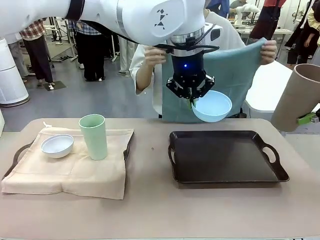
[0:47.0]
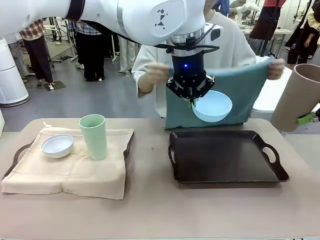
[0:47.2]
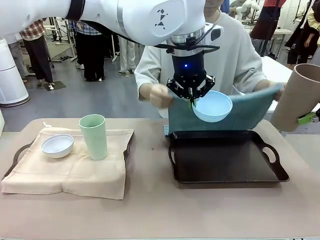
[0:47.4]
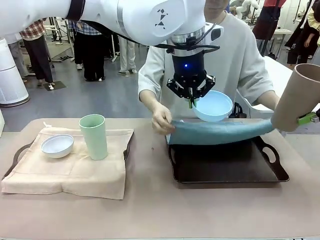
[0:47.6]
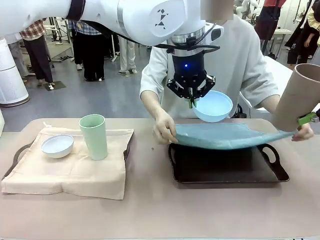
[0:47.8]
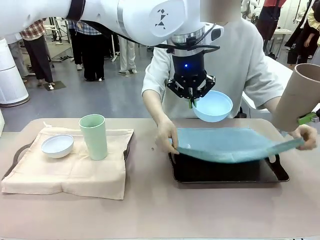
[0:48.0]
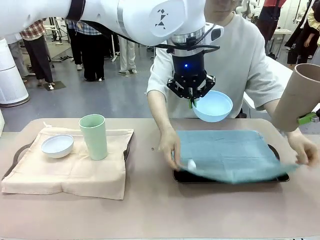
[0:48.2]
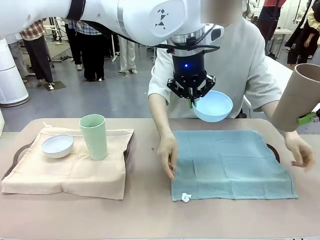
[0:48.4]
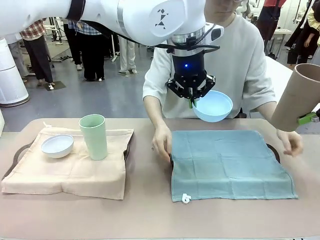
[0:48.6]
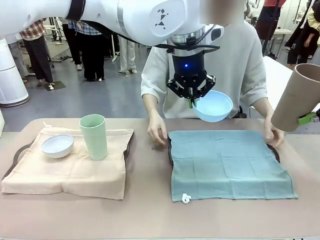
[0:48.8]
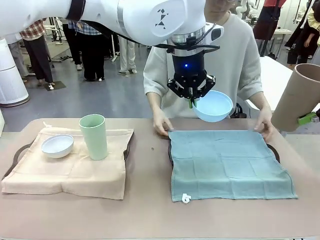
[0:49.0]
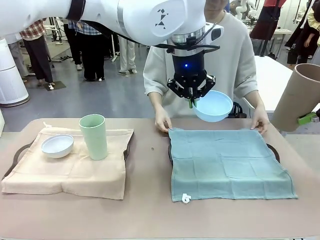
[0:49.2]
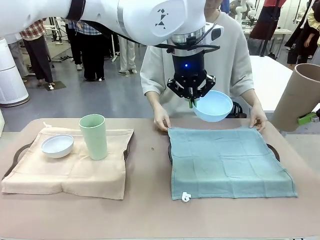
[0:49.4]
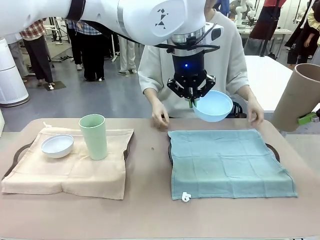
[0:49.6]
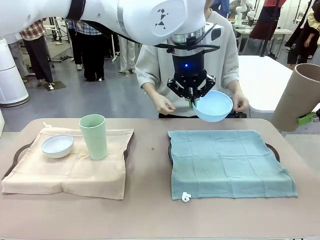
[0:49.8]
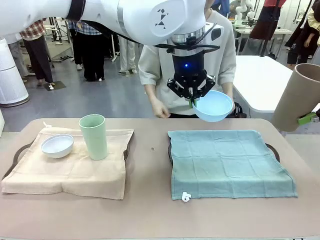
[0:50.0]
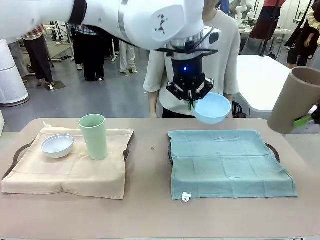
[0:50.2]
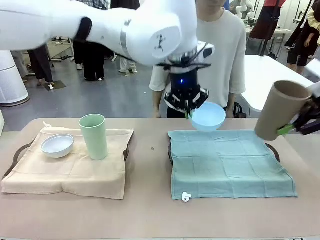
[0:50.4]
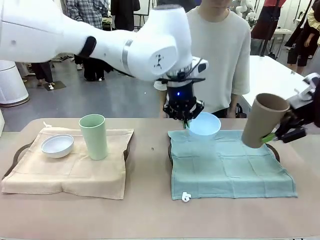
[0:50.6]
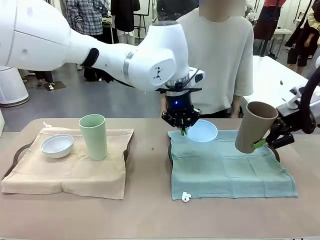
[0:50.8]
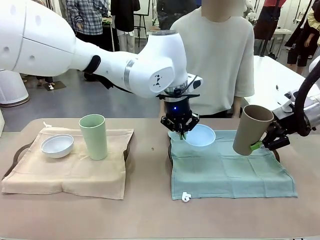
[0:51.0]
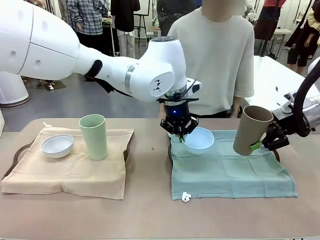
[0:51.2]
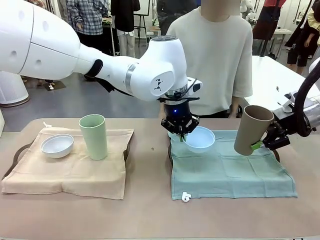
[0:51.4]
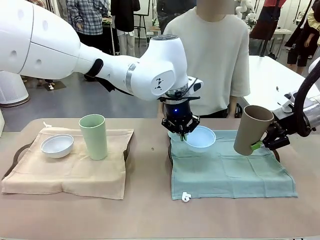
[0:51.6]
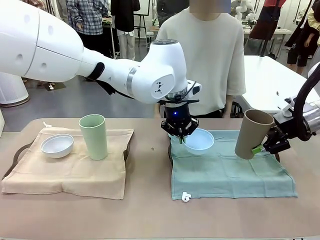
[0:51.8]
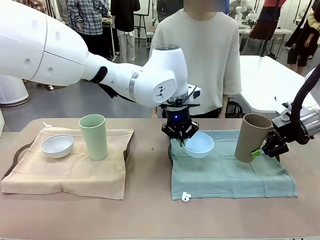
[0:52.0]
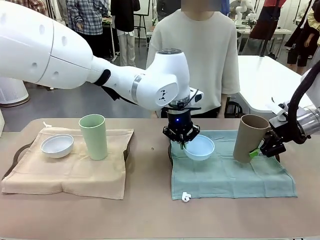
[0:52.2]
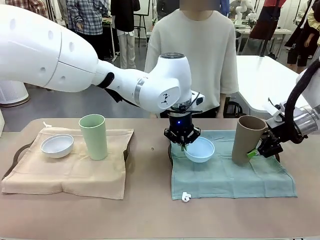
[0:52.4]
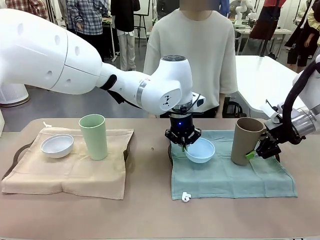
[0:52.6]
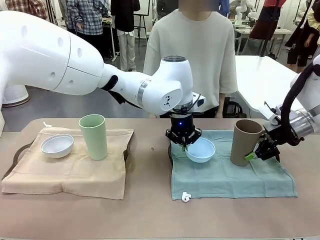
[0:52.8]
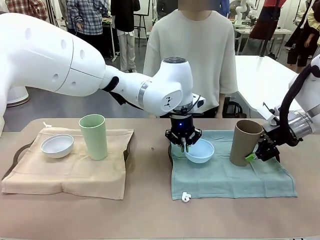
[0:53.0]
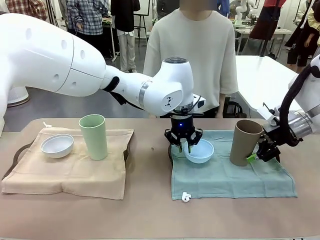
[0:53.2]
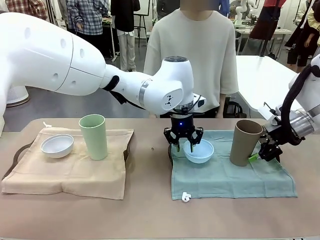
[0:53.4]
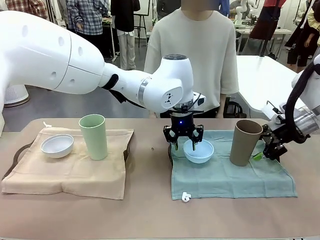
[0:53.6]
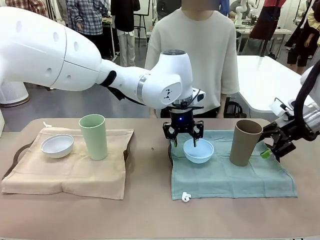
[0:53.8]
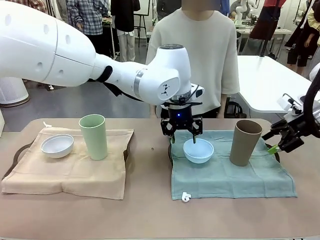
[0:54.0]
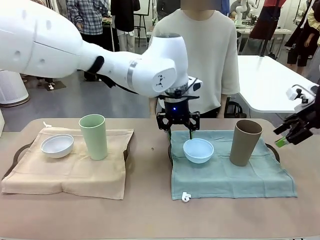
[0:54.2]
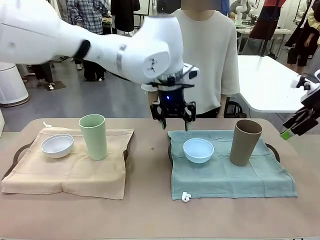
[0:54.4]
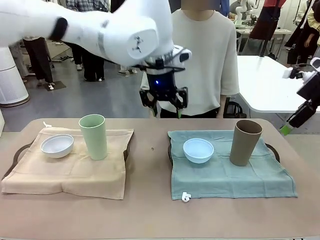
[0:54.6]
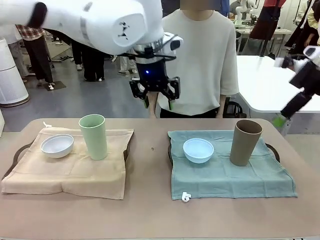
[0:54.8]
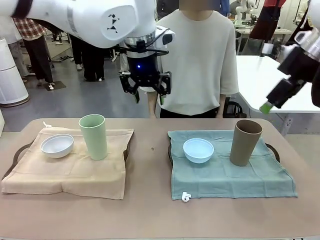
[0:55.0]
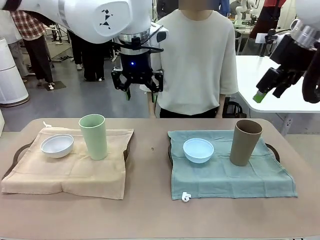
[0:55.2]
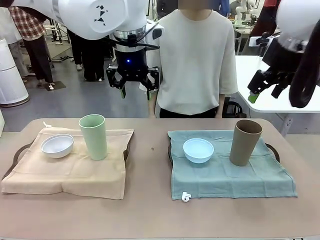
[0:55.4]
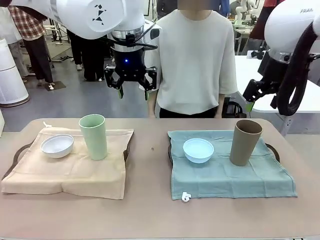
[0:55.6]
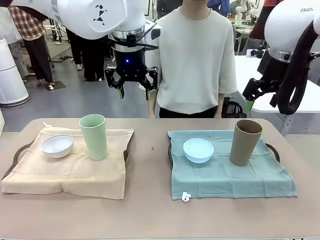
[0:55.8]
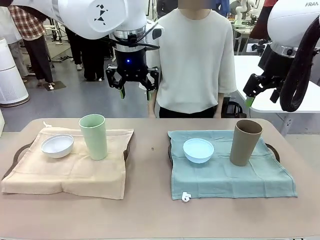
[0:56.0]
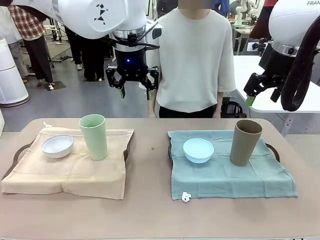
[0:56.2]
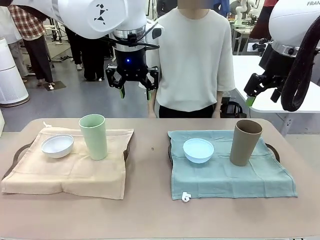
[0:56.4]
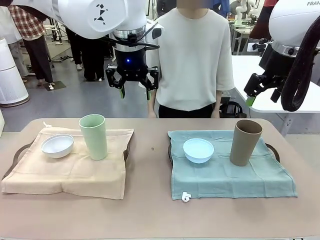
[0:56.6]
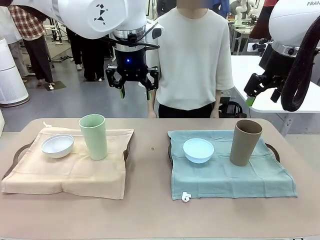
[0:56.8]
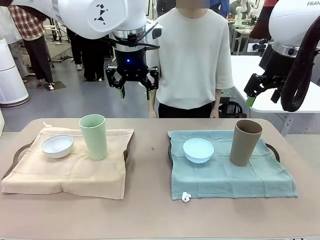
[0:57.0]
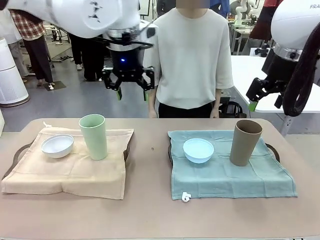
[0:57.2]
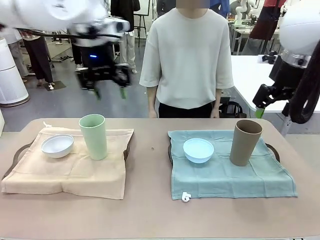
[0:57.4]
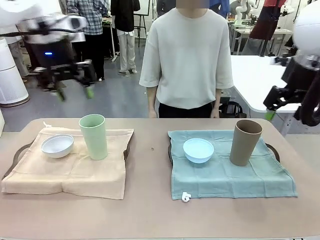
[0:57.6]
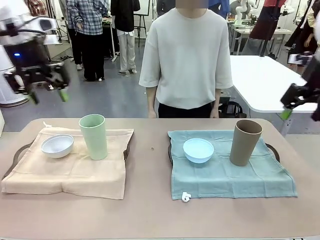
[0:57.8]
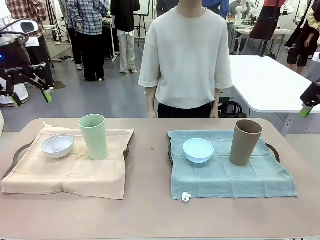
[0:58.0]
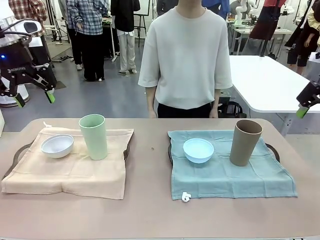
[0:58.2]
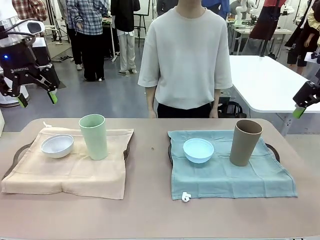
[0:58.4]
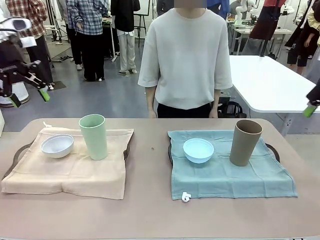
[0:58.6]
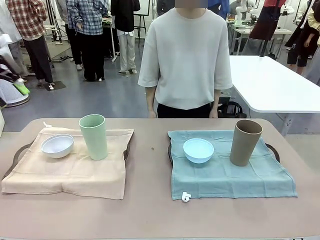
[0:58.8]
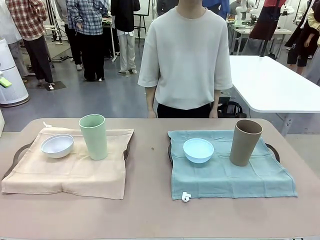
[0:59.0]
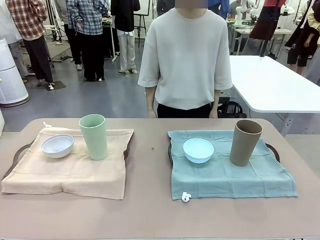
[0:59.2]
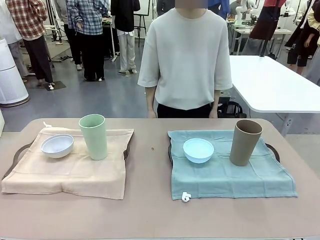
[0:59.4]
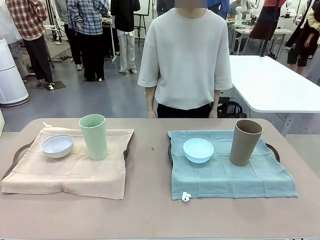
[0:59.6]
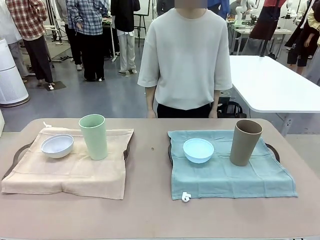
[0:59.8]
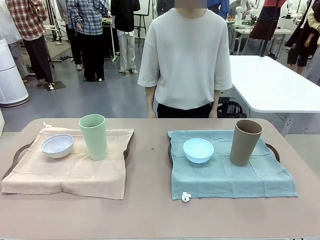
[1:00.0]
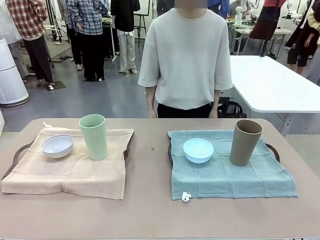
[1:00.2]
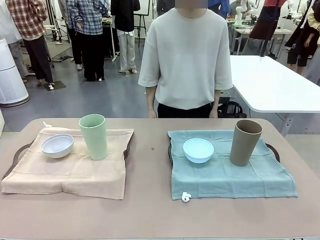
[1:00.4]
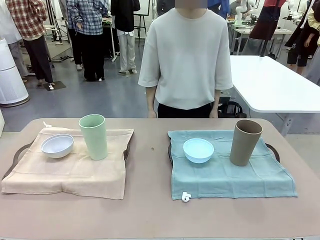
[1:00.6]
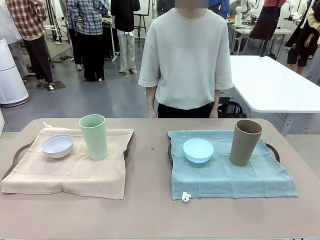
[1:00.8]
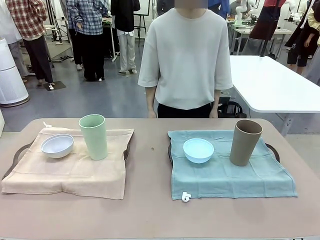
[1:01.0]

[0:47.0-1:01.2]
Robot: Place the Picnic Bowl and Reusable plastic cup back onto the Handle tray in front of the human's position.
Person: When the robot lifts the bowl and the cup, the human unfolds the napkin and lays the napkin flat on the tray.
